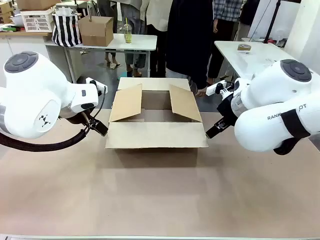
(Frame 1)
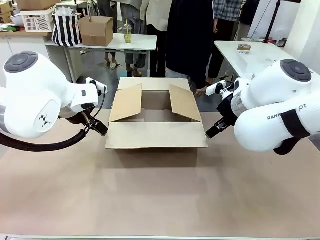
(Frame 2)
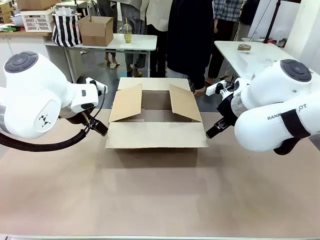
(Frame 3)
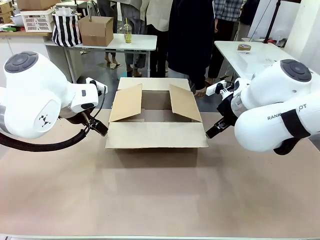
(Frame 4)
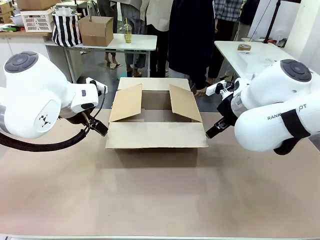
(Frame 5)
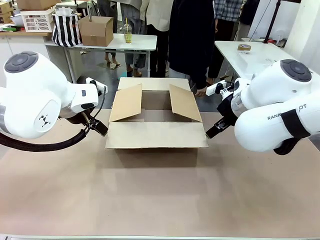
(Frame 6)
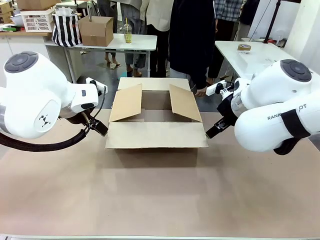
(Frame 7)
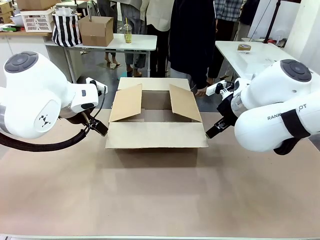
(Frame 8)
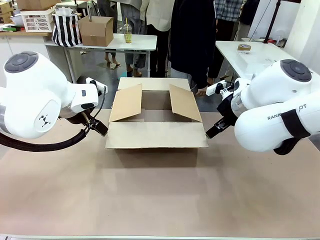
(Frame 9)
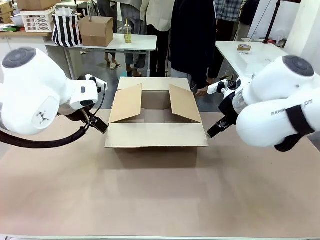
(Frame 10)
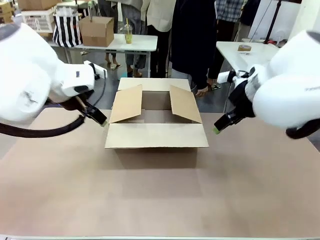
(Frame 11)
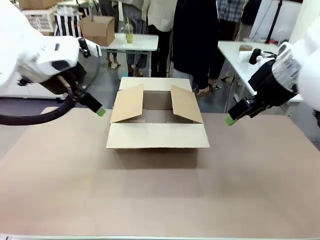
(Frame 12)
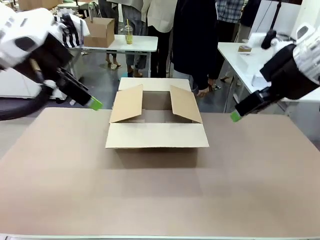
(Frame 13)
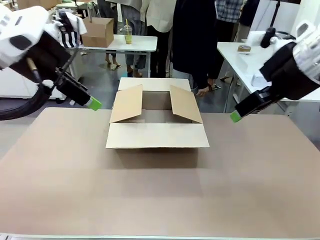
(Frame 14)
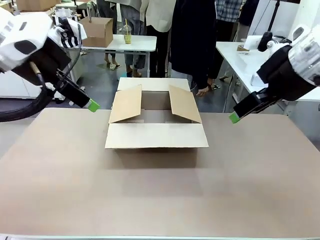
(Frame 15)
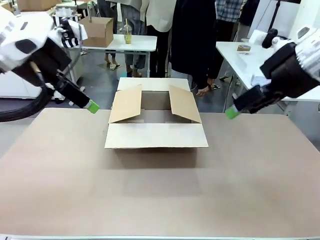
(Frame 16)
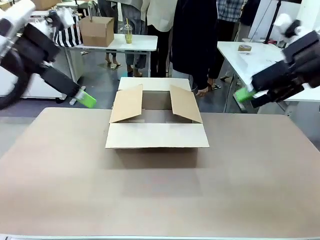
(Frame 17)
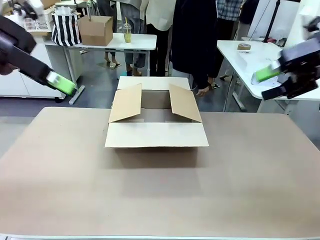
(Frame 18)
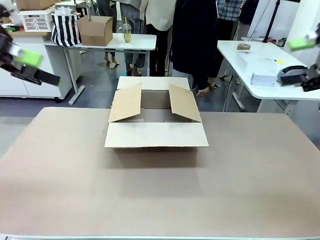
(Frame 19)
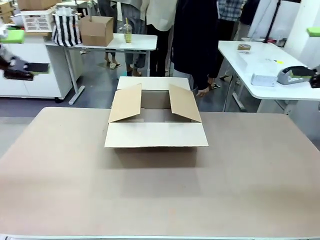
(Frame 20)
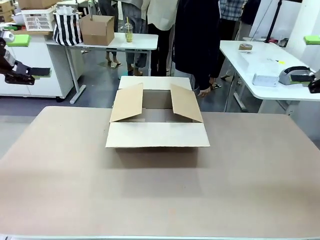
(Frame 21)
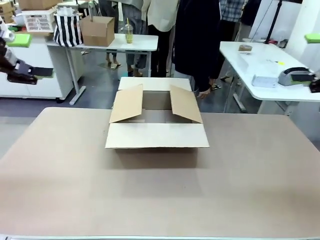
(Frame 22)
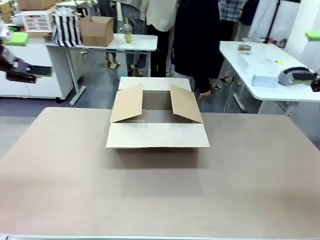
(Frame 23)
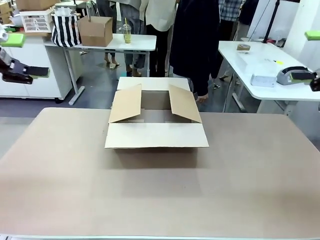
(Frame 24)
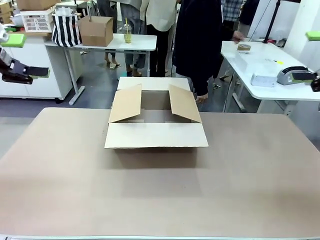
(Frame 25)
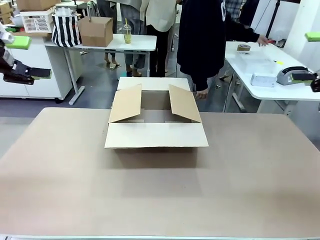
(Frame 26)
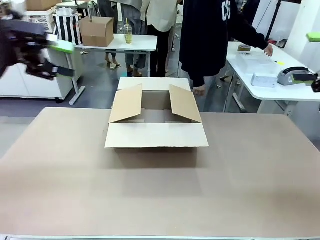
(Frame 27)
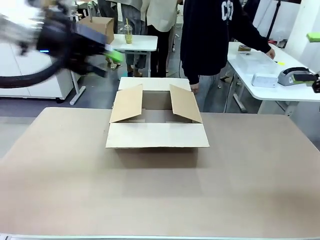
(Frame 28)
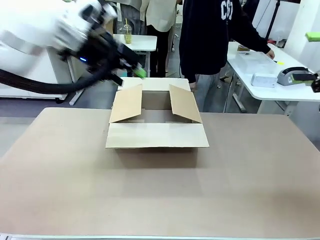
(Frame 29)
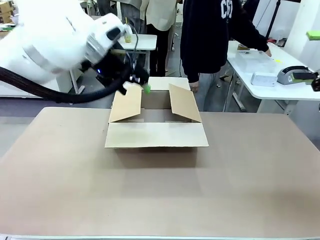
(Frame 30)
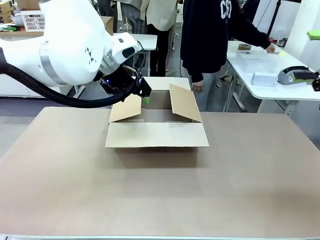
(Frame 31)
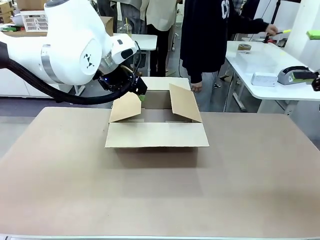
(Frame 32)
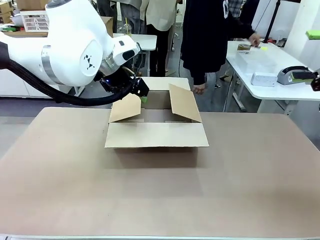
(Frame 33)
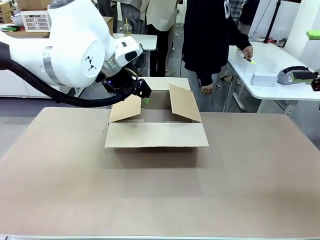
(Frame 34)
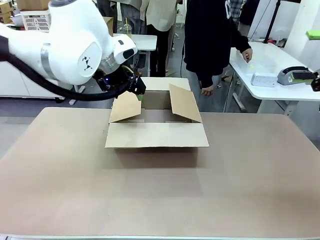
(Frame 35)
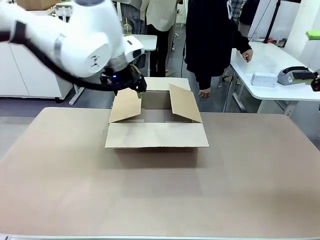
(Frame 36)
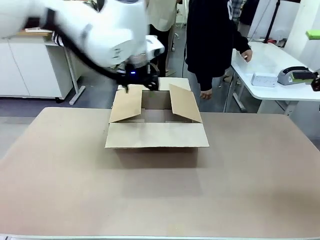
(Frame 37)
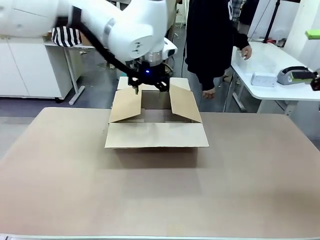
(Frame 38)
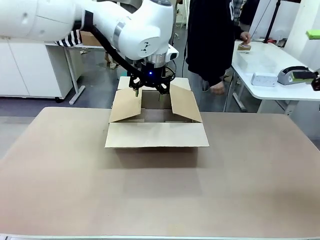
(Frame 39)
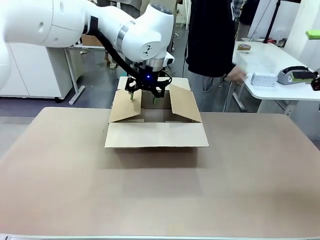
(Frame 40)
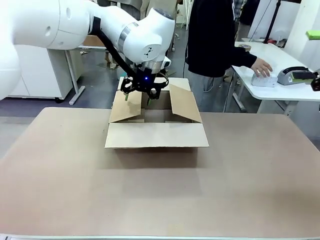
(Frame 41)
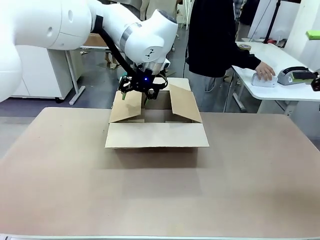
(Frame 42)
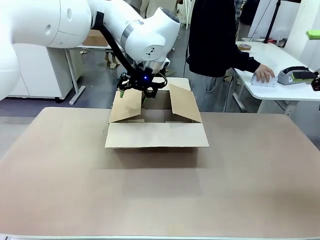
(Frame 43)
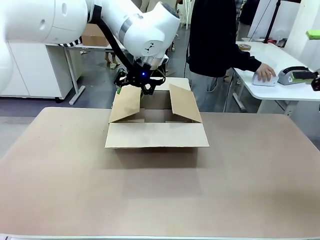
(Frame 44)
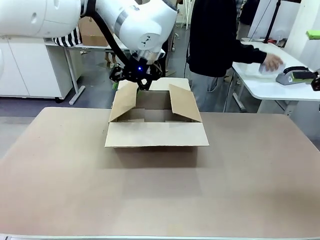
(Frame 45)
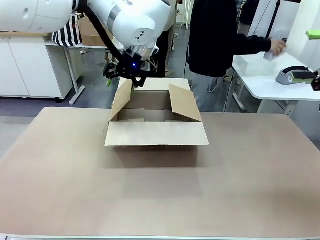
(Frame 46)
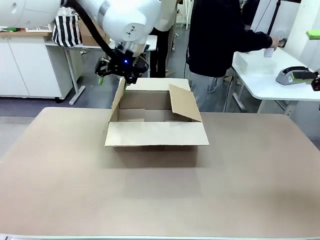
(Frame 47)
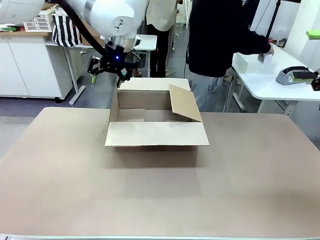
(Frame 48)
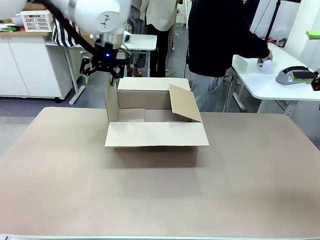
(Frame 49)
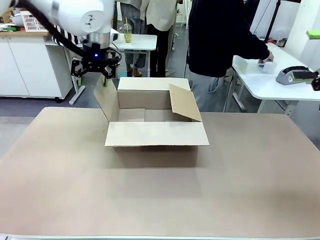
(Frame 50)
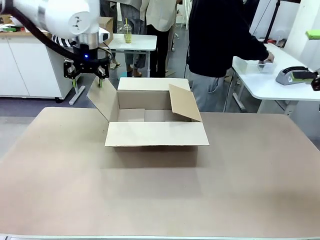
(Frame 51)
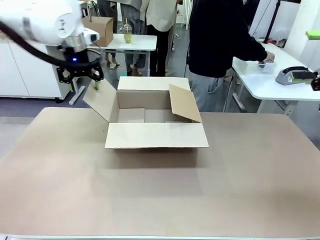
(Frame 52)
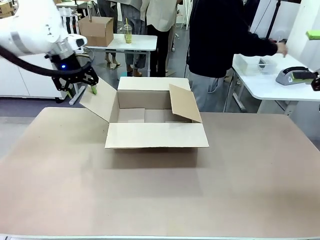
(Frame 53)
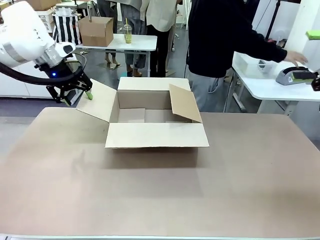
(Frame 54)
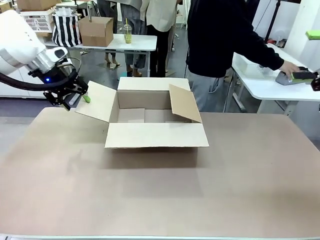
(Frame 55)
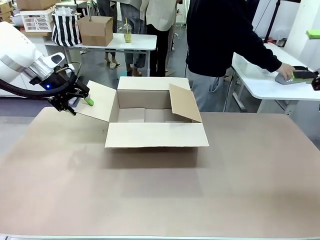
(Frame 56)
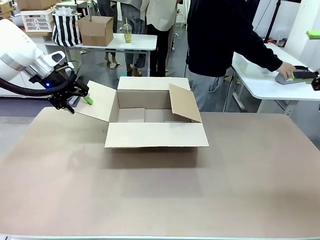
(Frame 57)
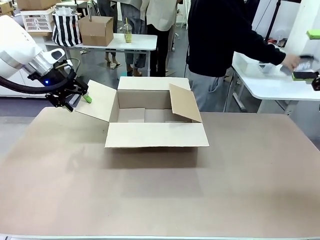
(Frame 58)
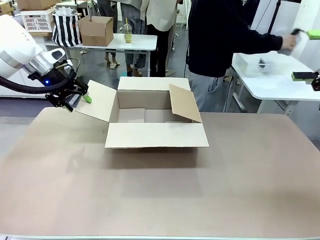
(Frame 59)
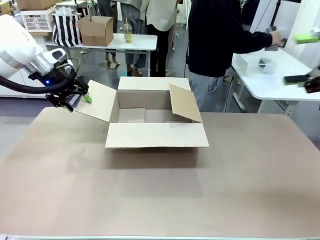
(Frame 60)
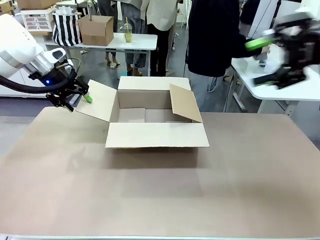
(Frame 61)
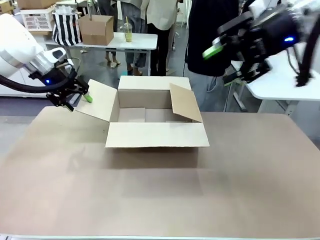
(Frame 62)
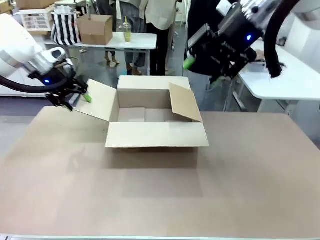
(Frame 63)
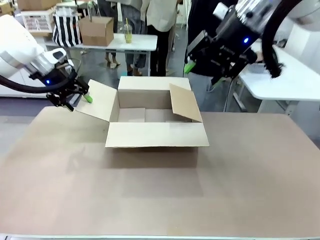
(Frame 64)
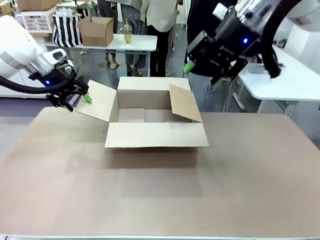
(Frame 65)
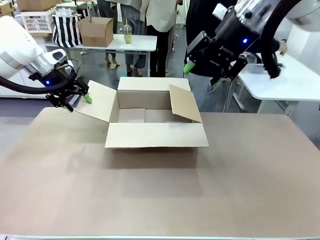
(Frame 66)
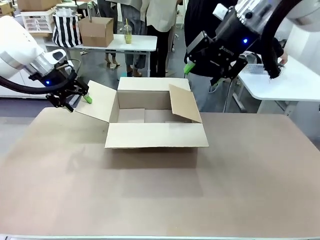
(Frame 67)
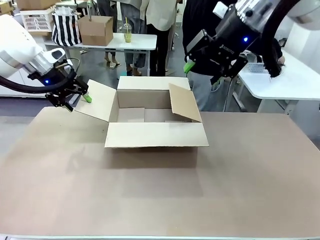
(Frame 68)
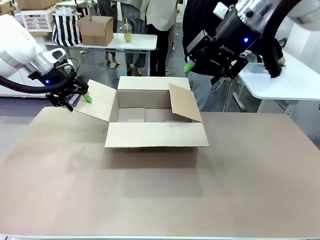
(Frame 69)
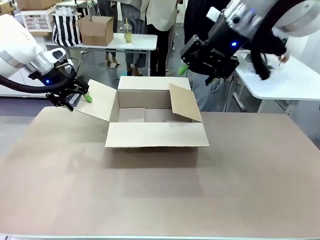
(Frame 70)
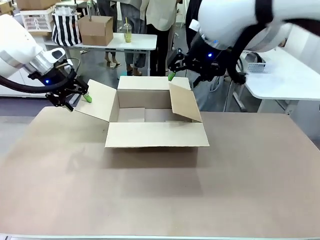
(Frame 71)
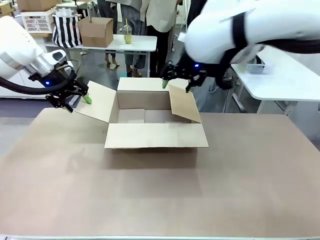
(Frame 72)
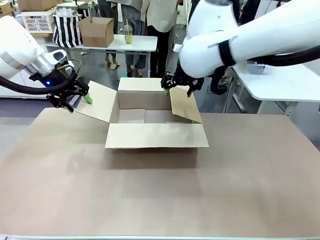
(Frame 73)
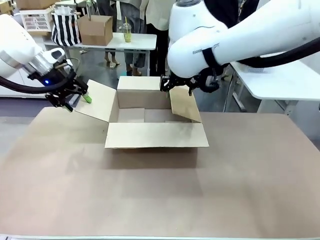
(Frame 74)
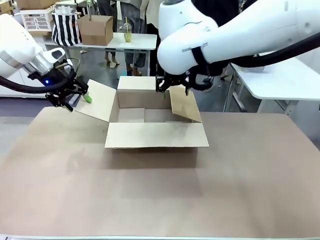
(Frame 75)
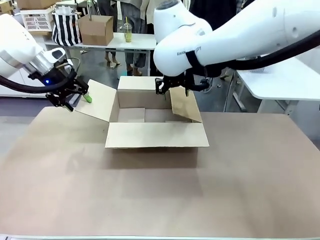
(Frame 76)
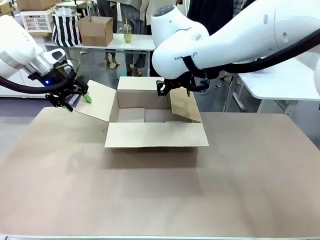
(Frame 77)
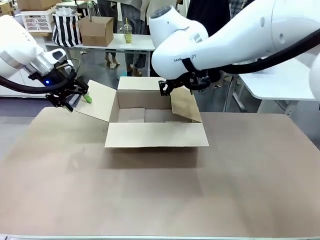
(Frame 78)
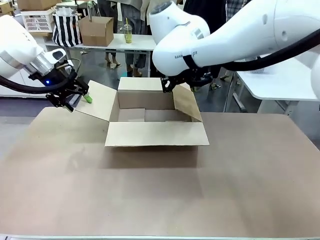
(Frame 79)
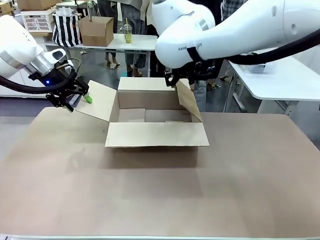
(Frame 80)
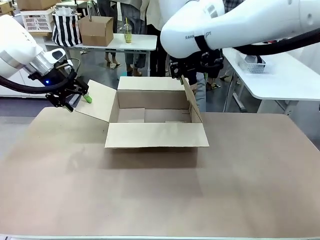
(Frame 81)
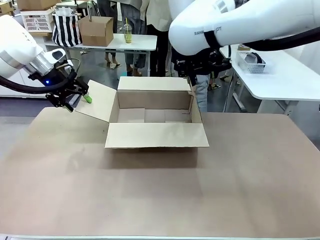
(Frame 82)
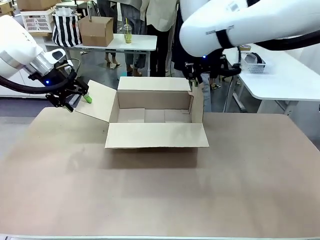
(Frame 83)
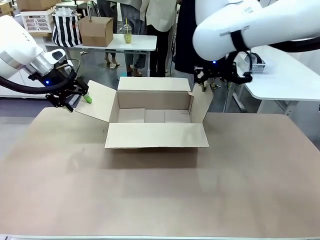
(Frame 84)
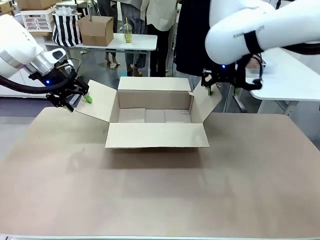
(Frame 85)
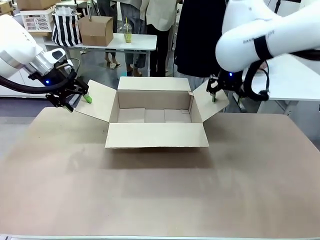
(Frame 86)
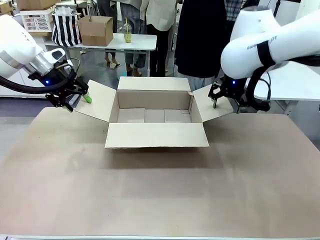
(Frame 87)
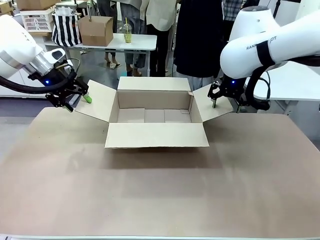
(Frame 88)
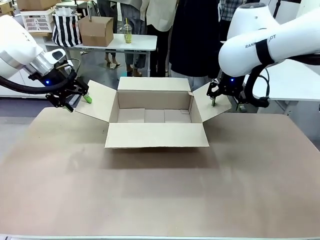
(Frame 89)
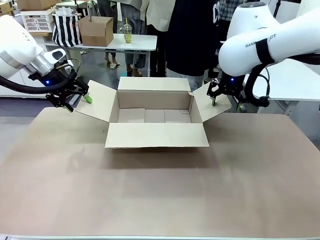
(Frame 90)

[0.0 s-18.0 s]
Task: Pack the gift set into the box.
Robot: Place both hands on the side flaps of the Package Box and spread them outward.
Person: The human places all items except the paper tape into the organizing basket.

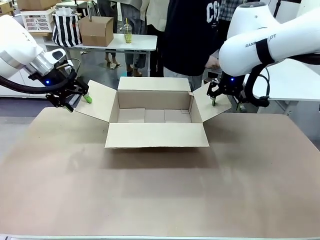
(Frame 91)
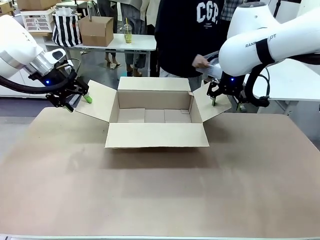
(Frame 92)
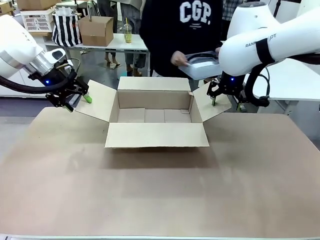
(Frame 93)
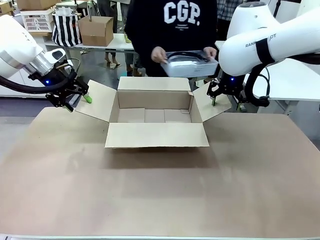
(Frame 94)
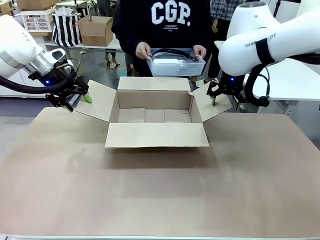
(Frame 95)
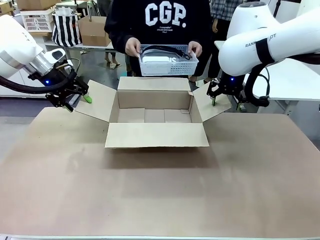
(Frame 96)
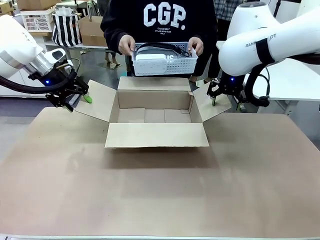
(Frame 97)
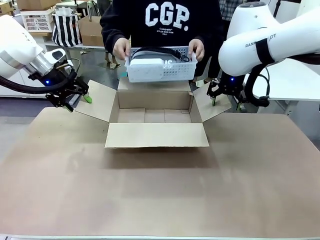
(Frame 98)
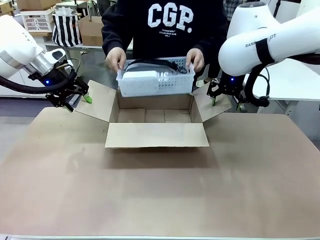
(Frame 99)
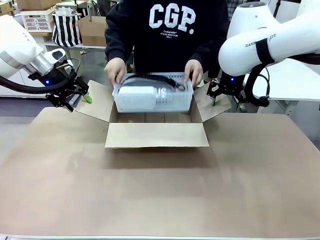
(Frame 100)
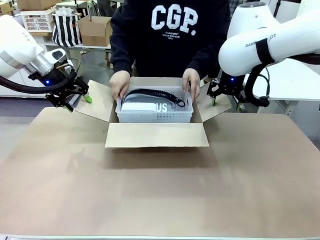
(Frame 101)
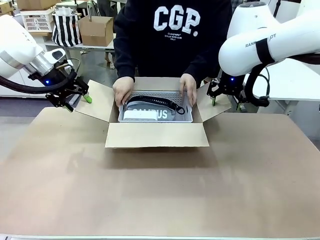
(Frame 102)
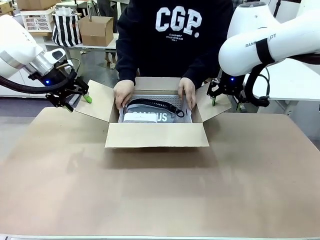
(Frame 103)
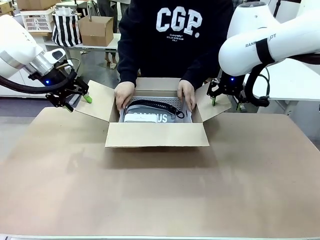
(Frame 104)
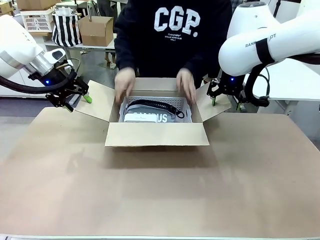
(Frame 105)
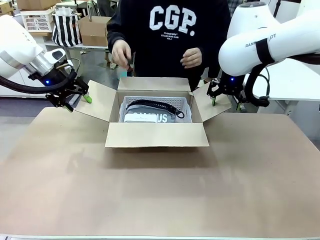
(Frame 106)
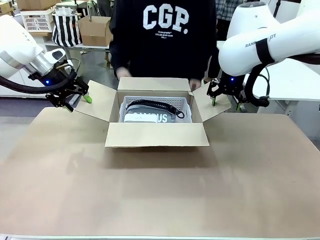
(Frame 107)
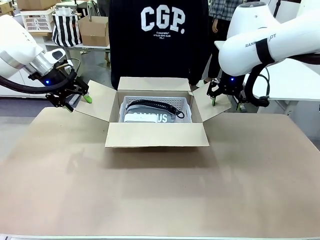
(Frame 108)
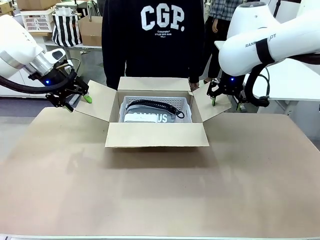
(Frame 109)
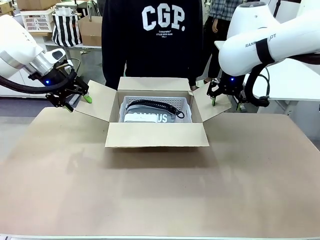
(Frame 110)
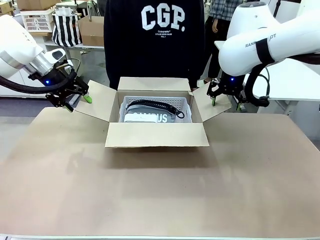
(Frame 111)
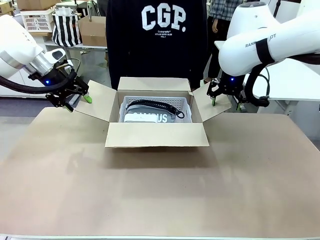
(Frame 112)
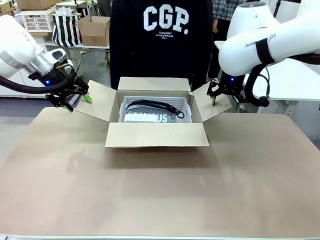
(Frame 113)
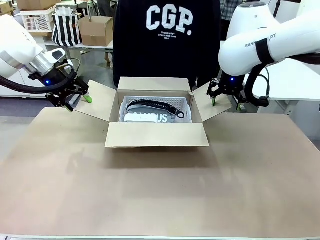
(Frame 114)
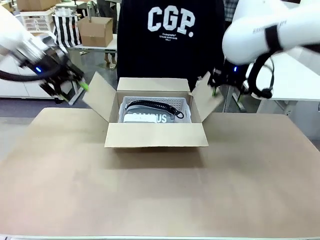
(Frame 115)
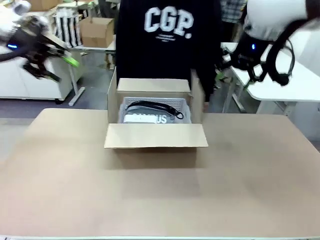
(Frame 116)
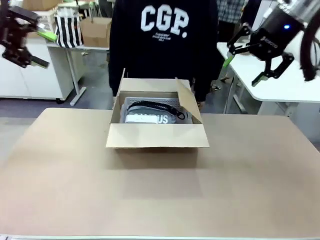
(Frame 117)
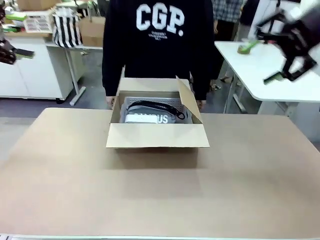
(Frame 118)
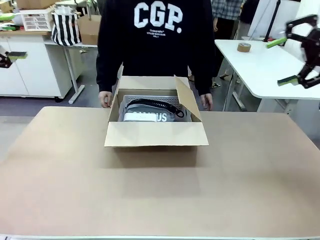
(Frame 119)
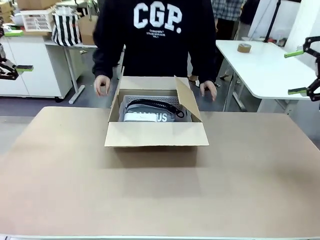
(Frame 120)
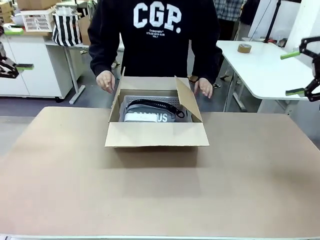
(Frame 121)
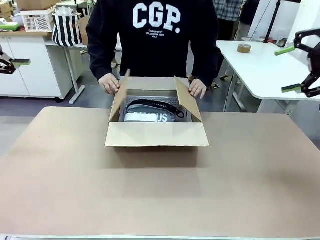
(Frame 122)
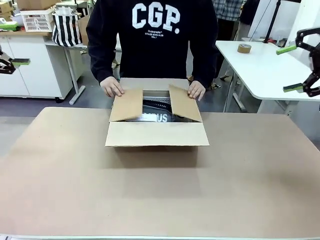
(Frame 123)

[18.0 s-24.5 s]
Robot: Lift both hands away from the flaps of the Package Box.
Person: The human picks up the organizing basket and places the organizing basket into the package box on the robot table.
